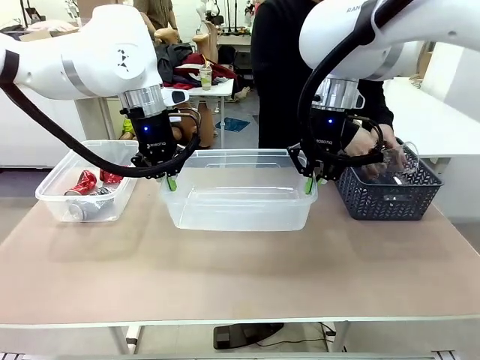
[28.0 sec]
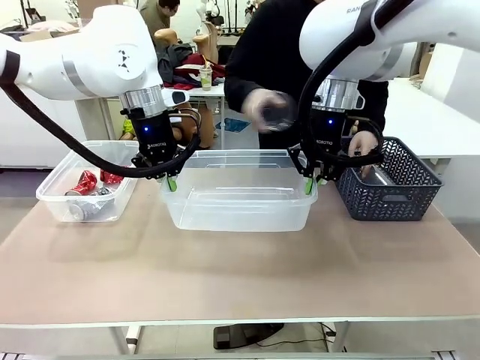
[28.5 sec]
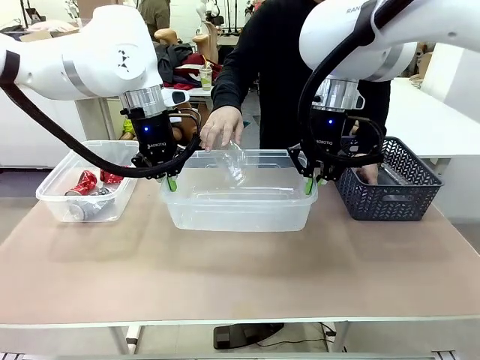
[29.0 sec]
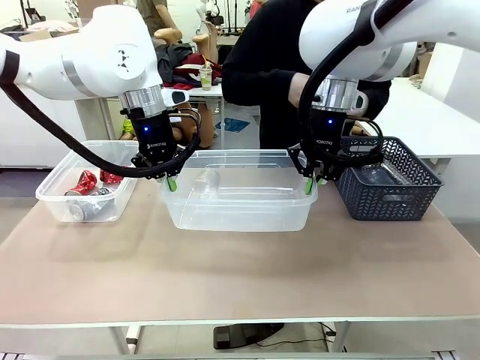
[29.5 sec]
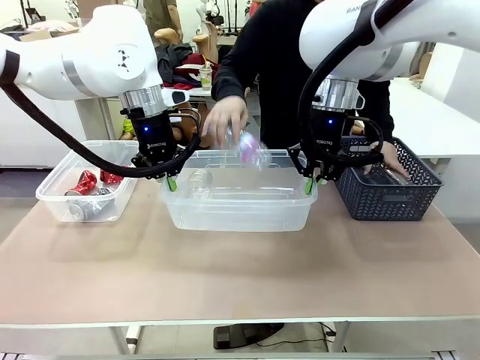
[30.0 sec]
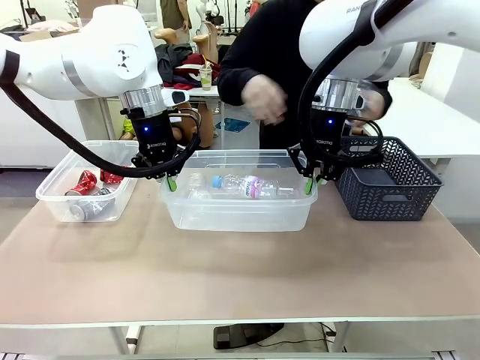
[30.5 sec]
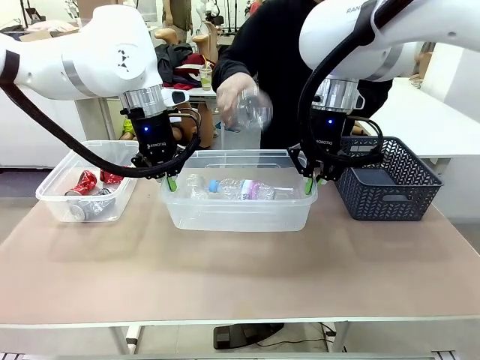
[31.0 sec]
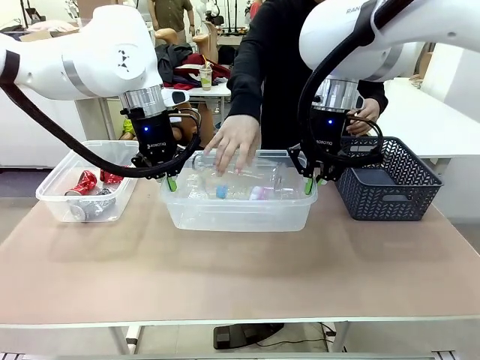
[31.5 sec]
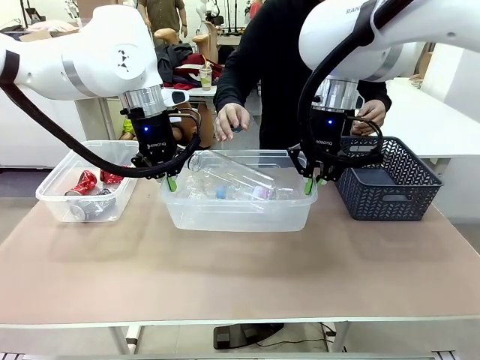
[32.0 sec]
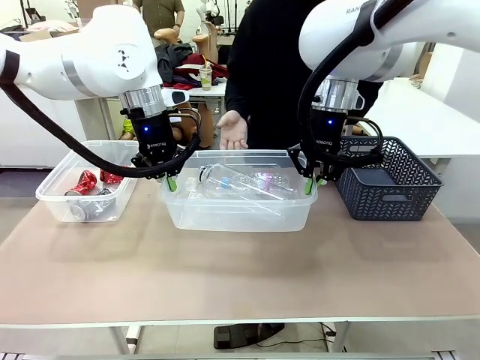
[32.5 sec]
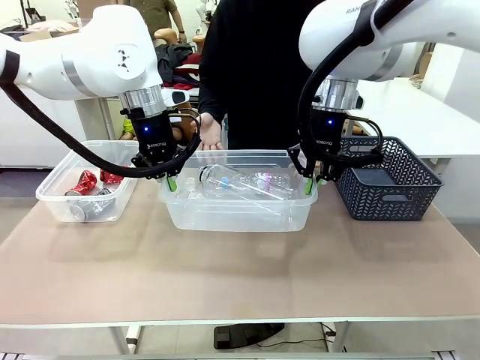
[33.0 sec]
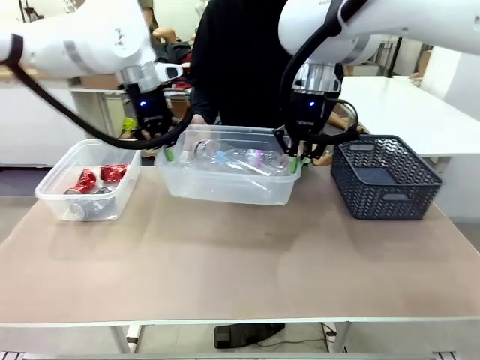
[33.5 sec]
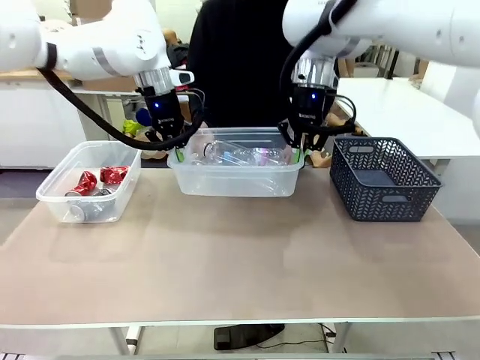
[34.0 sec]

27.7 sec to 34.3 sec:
Robot: Offer the picked Organizing box to the human.
Person: Pick up plastic waste one by one and place it into the organizing box lifted by the robot.

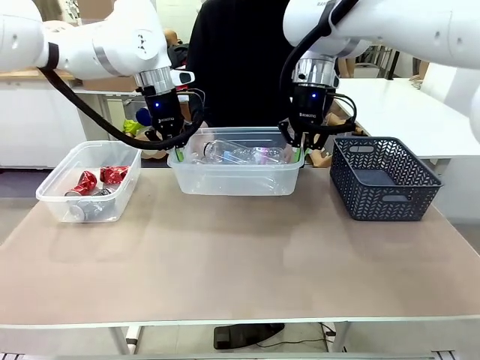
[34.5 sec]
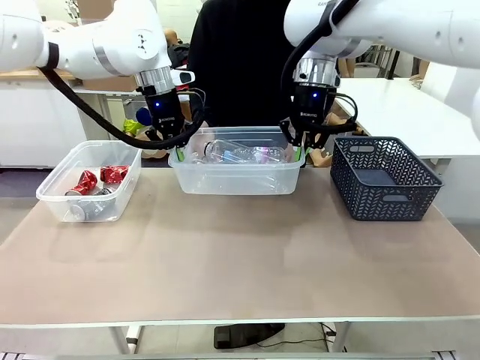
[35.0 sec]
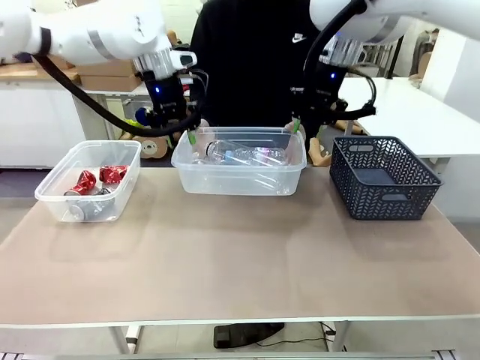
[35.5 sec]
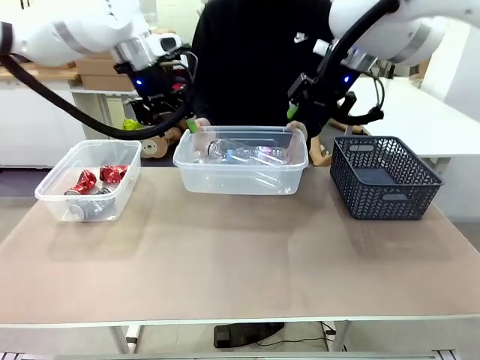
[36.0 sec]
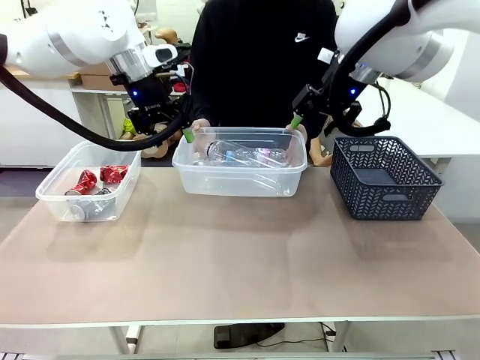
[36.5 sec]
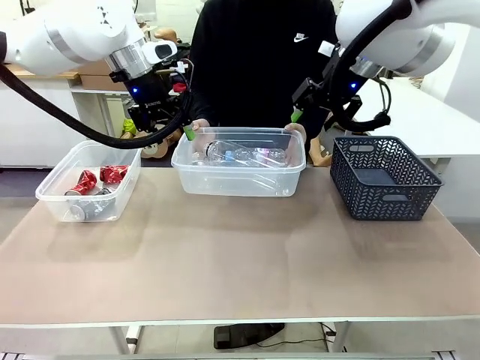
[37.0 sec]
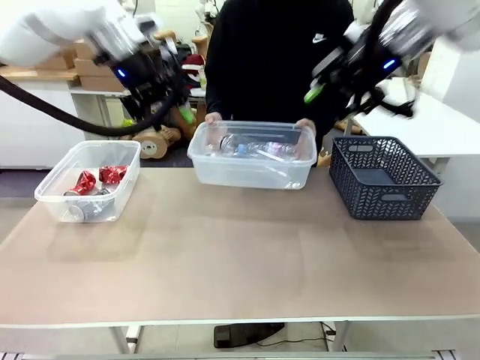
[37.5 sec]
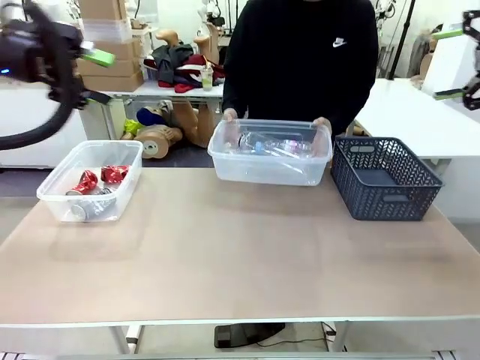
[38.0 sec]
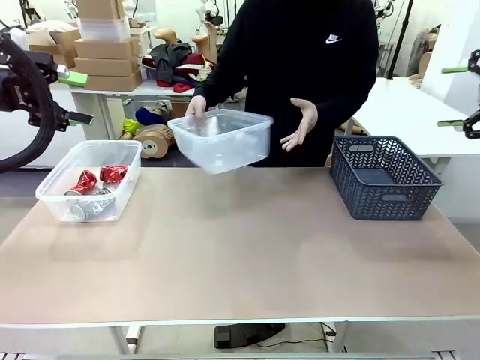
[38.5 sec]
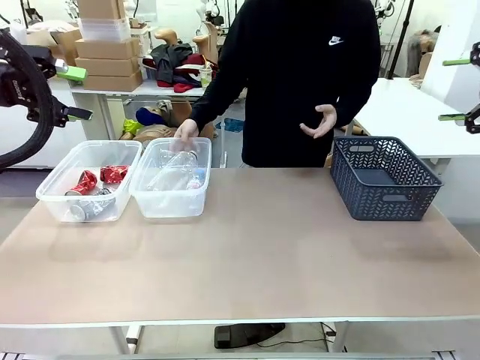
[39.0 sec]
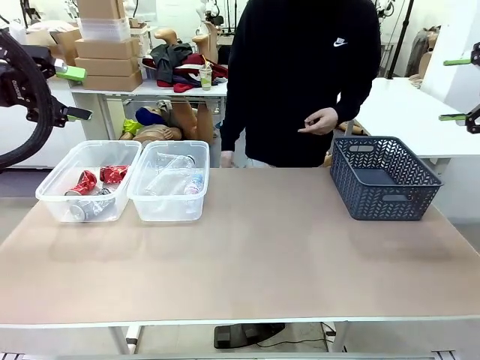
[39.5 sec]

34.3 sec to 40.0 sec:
Robot: Release the Organizing box you were holding.
Person: Pick up the organizing box extended by the robot. Place the organizing box to the left of the sorting box containing the can waste.

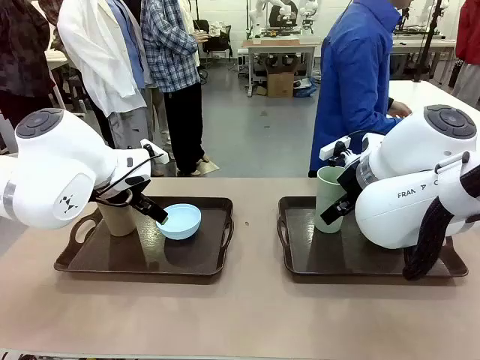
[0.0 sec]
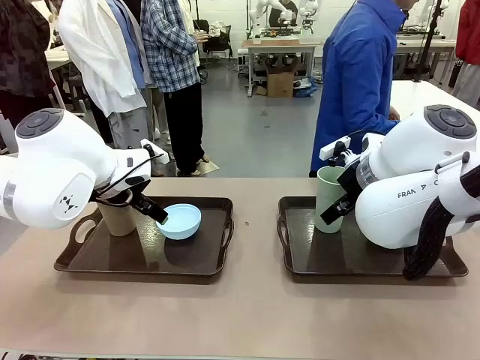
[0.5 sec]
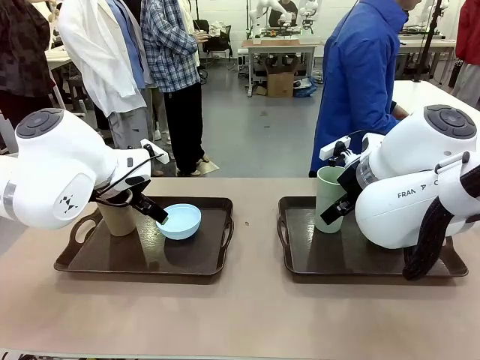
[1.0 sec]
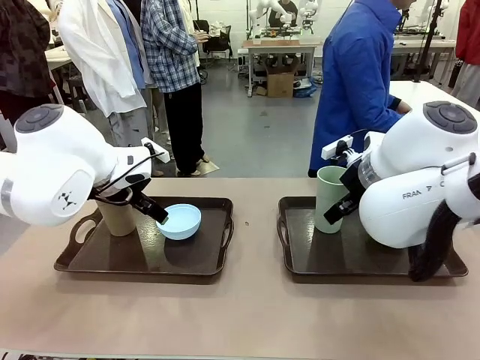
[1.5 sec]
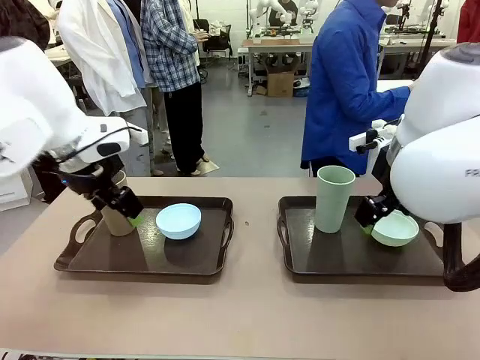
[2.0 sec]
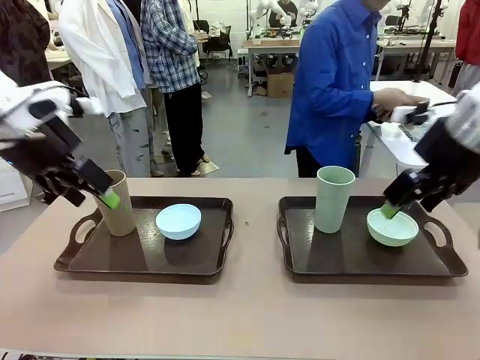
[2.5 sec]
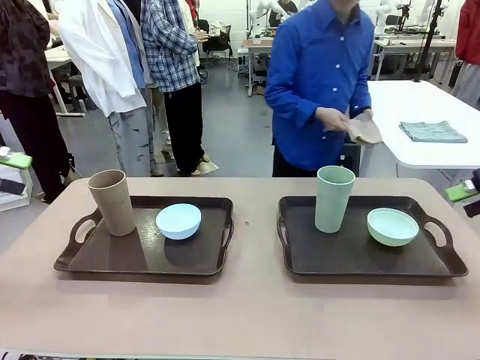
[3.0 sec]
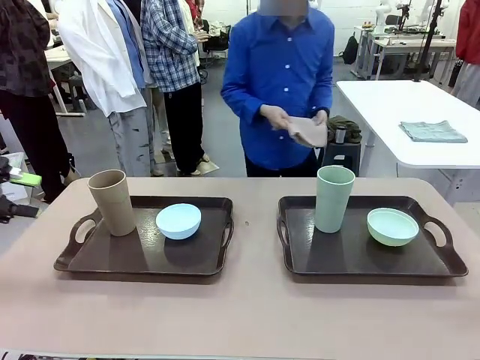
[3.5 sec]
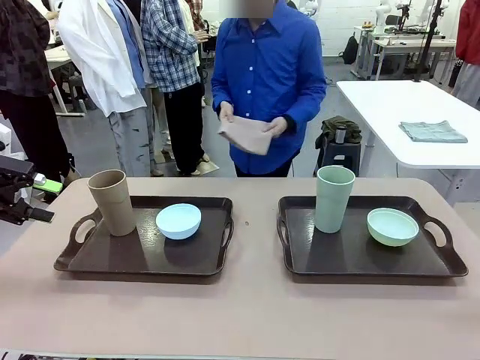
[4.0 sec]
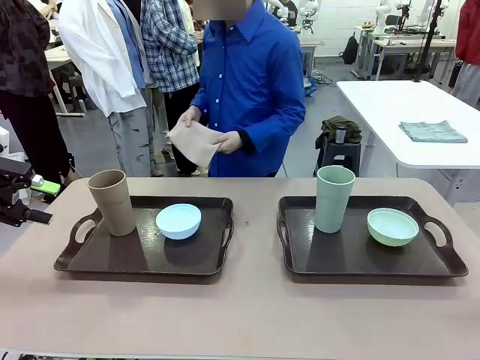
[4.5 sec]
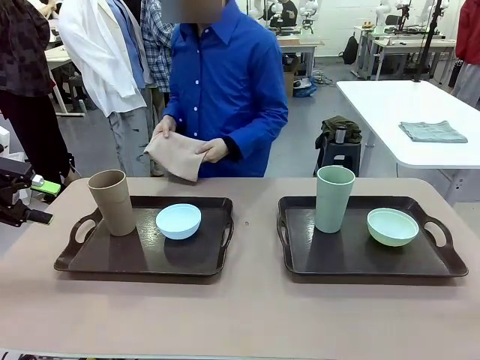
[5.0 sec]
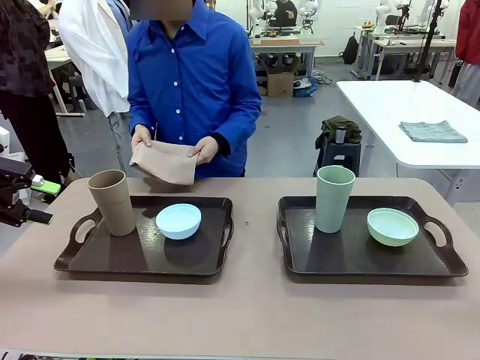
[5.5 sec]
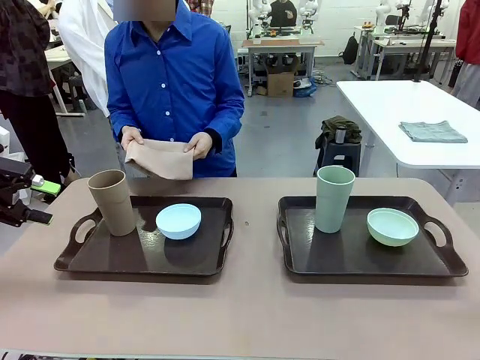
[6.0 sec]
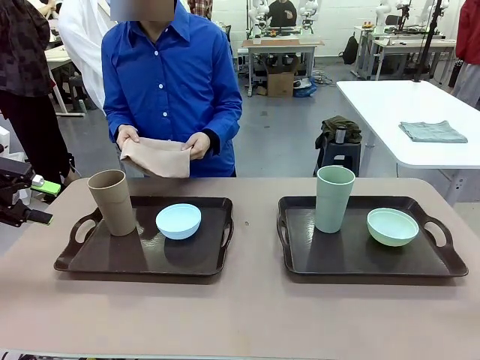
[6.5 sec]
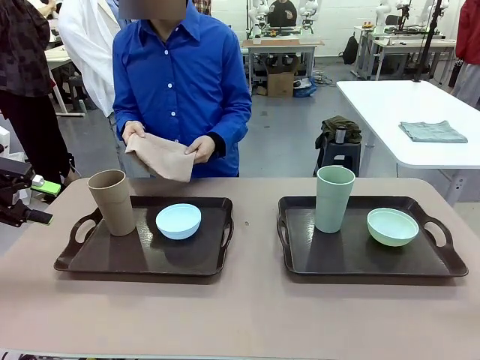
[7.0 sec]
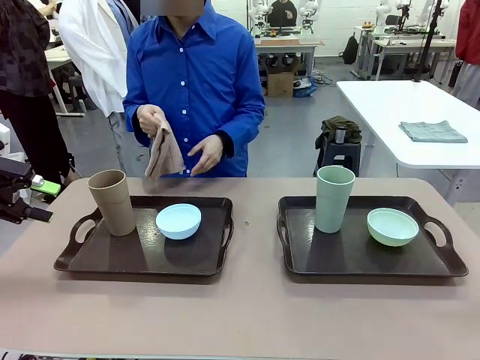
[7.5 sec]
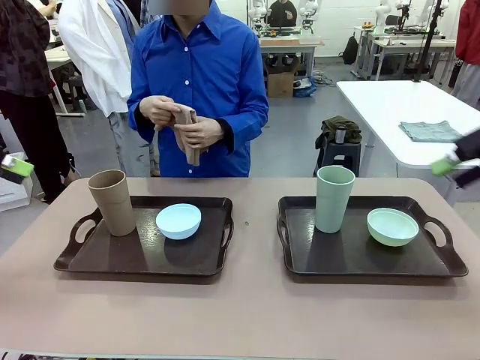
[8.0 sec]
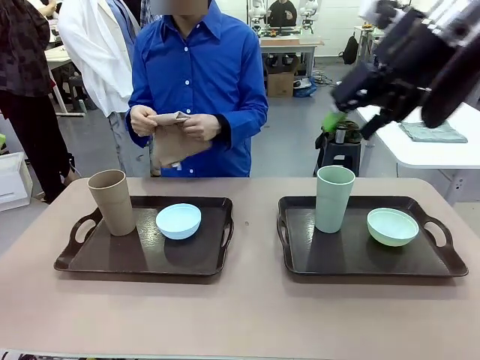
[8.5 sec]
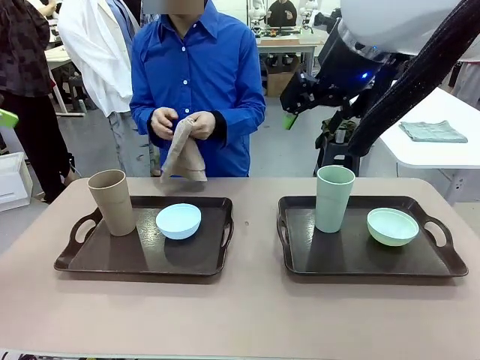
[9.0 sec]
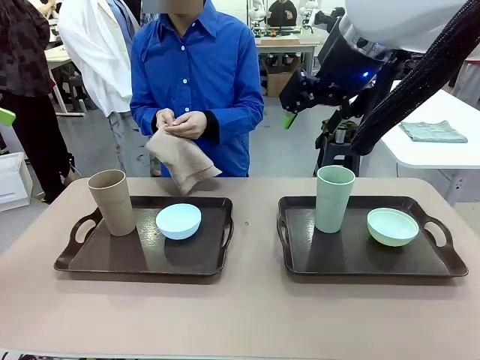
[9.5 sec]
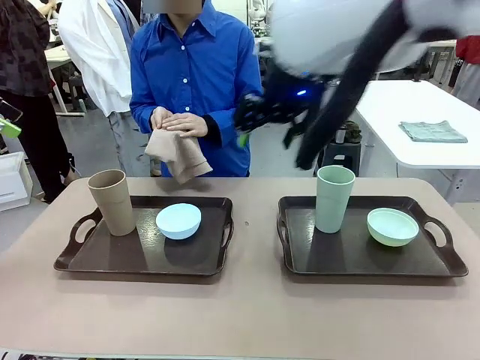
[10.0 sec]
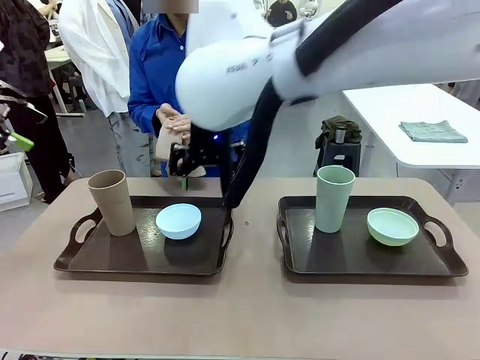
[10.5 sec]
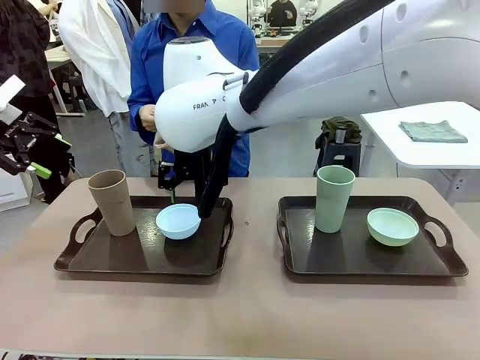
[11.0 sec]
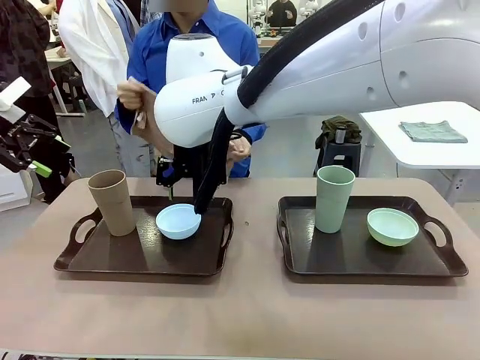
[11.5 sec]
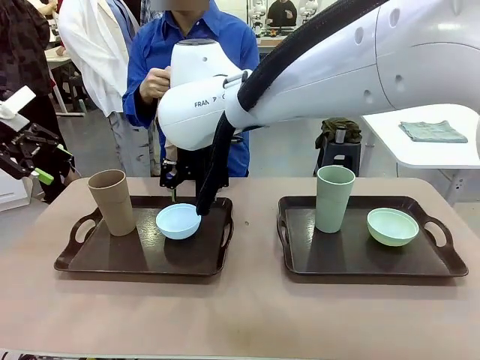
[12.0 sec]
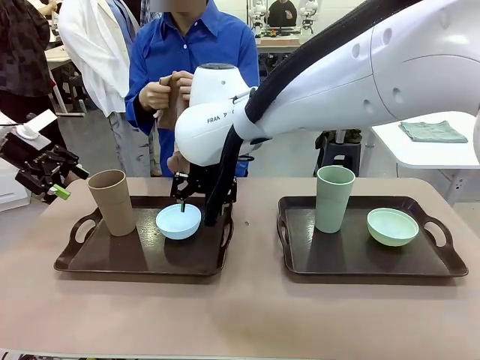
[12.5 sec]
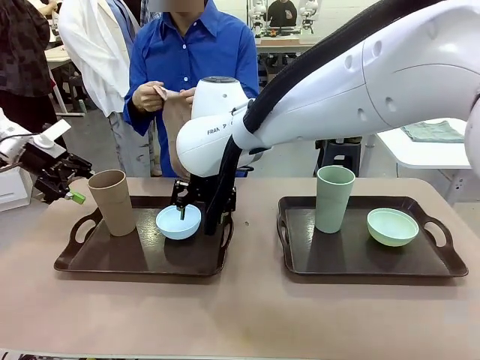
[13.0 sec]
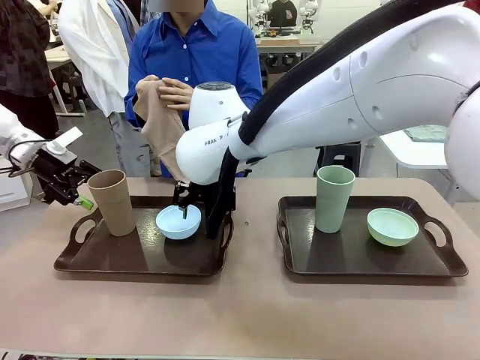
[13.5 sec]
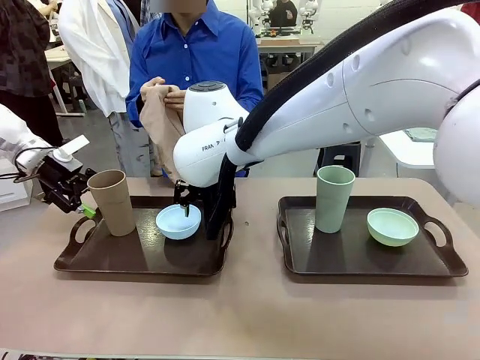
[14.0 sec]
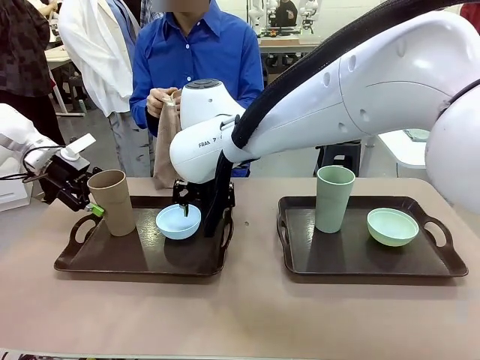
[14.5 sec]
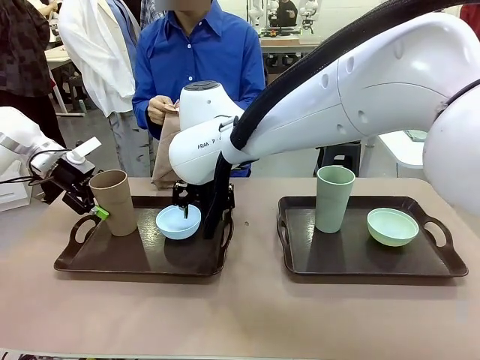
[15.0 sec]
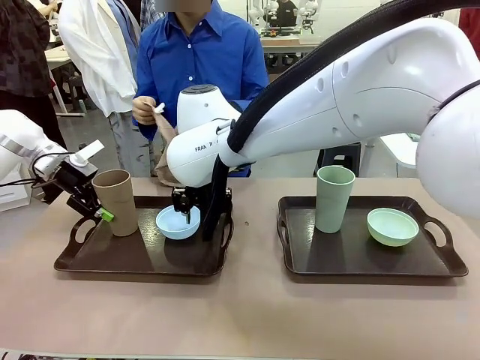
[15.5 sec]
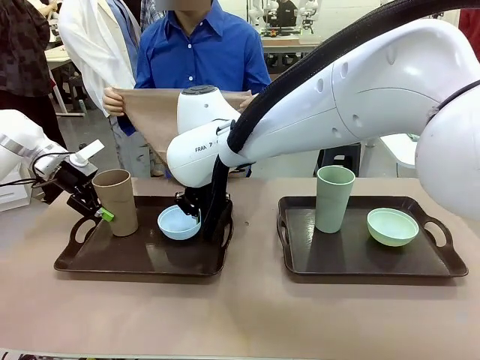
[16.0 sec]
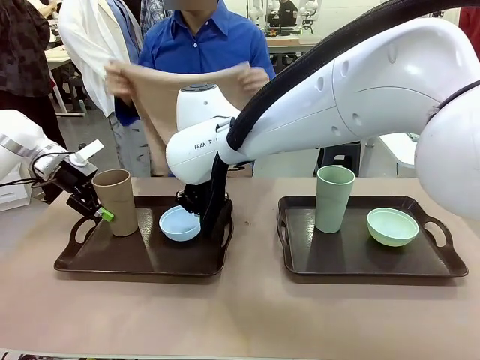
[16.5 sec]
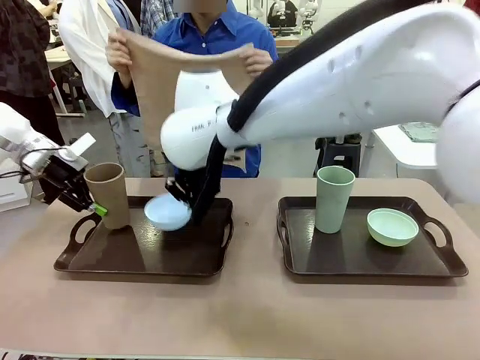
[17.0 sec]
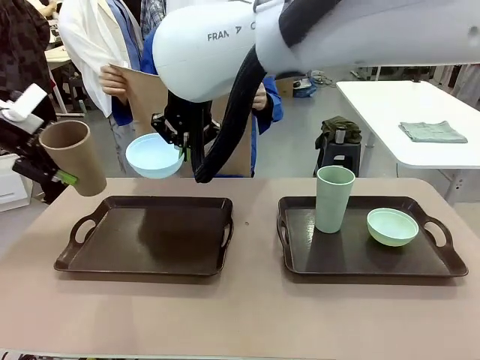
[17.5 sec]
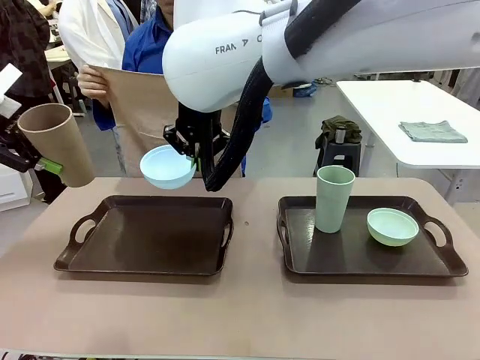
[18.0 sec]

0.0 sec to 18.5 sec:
Robot: Pick up the Picnic Bowl and Reusable plastic cup from the Handle tray in front of the human's position and hold them in the air.
Person: The human picks up the top napkin from the stack on the human table and walks to the robot table to stand in front of one of the two trays. When the robot lifts the bowl and the cup, the human unfolds the napkin and lays the napkin flat on the tray.
